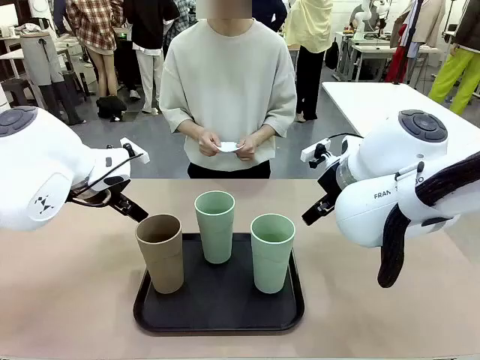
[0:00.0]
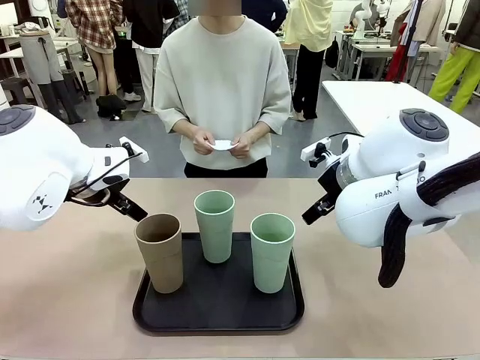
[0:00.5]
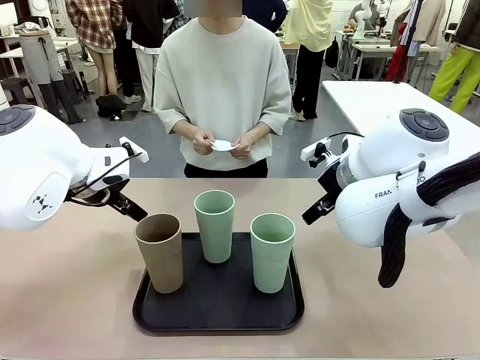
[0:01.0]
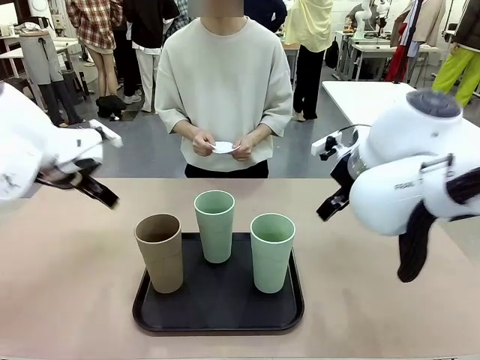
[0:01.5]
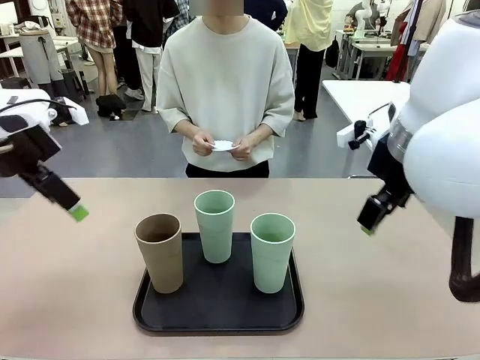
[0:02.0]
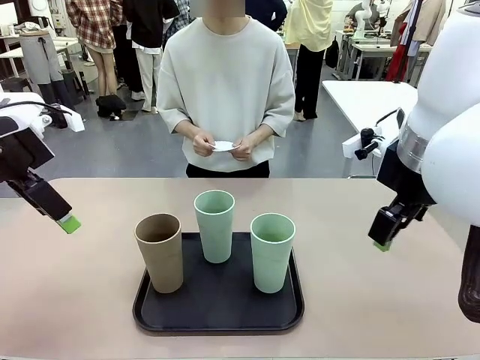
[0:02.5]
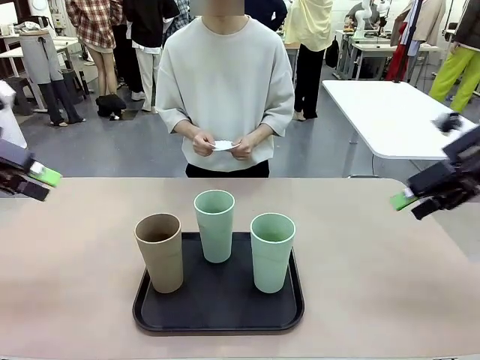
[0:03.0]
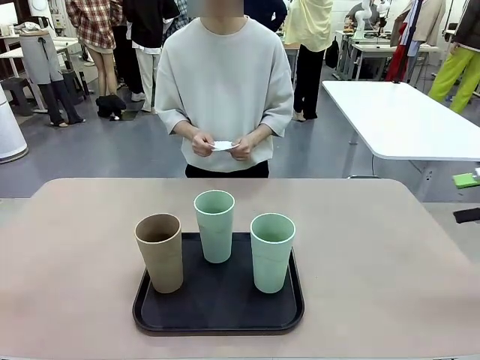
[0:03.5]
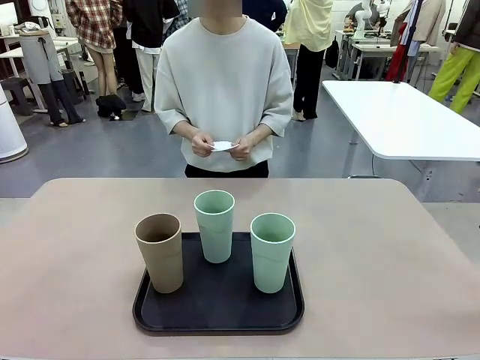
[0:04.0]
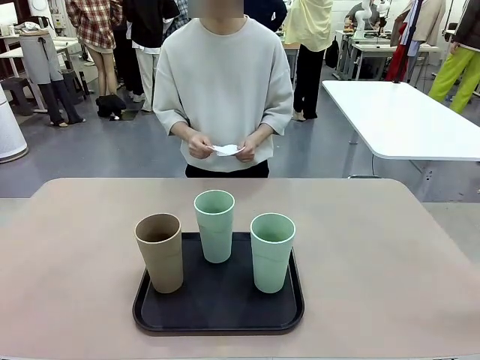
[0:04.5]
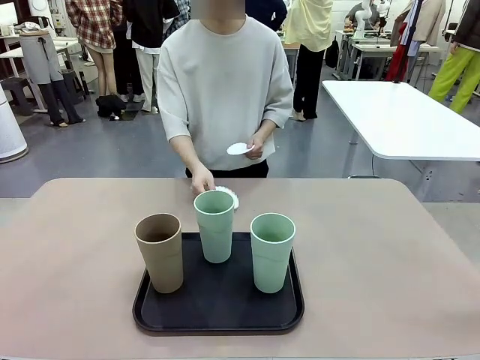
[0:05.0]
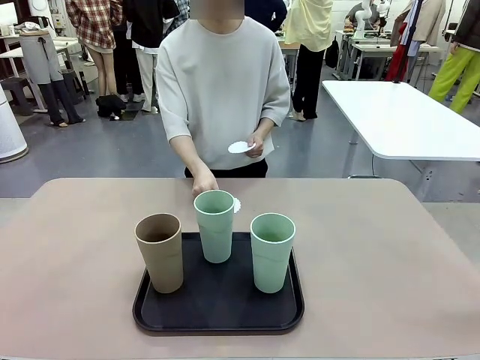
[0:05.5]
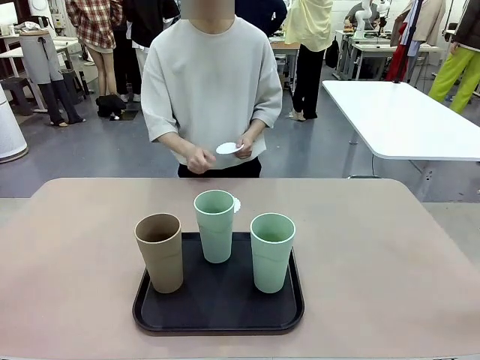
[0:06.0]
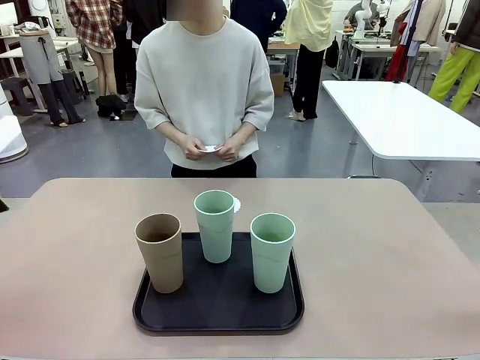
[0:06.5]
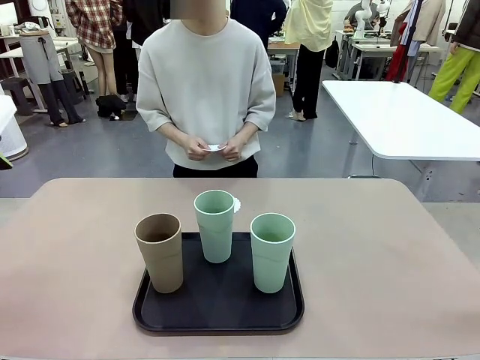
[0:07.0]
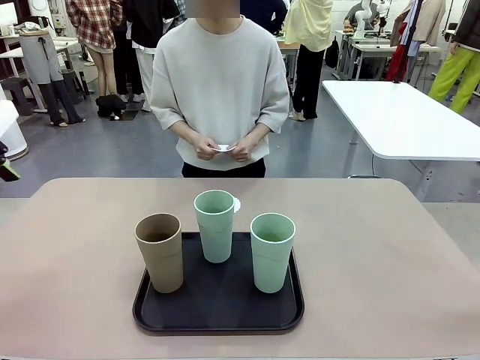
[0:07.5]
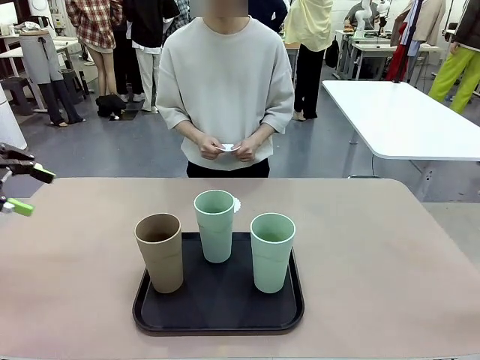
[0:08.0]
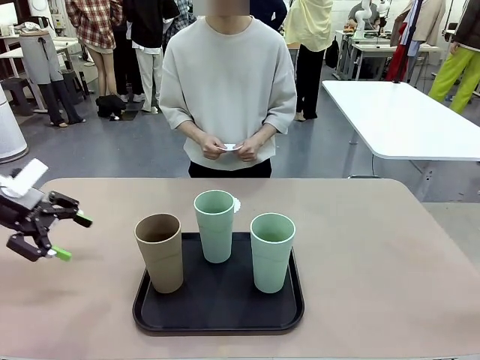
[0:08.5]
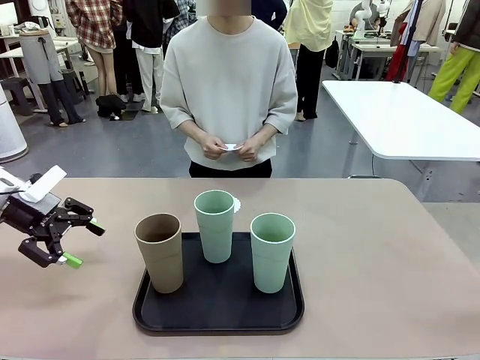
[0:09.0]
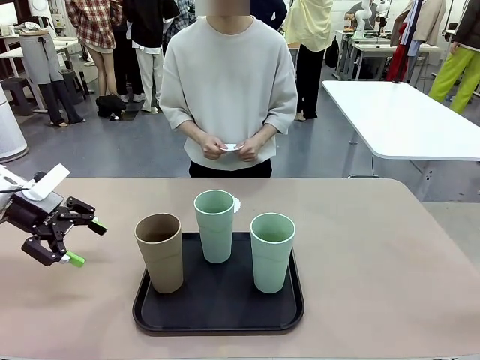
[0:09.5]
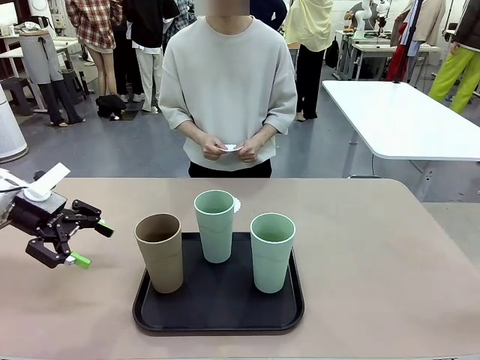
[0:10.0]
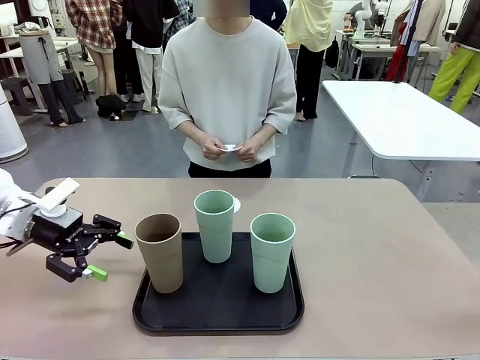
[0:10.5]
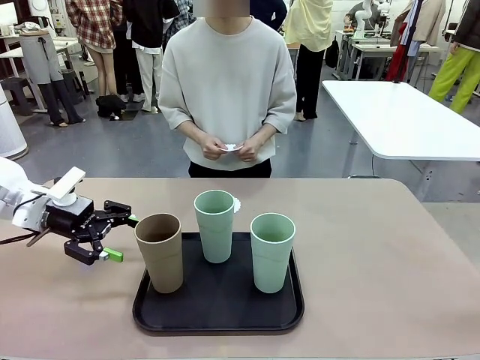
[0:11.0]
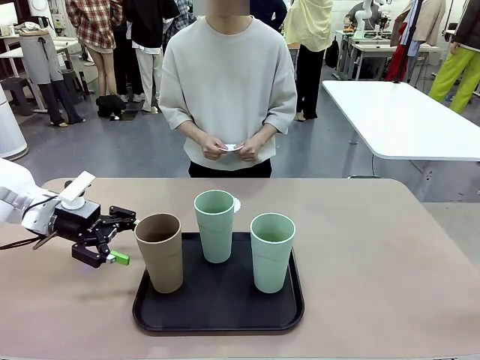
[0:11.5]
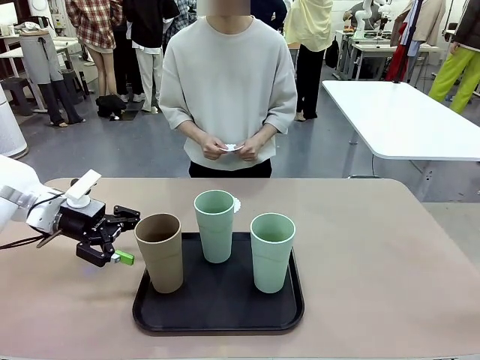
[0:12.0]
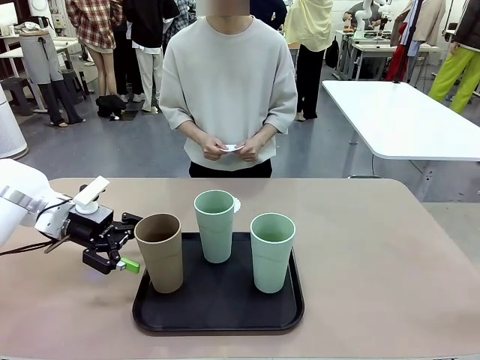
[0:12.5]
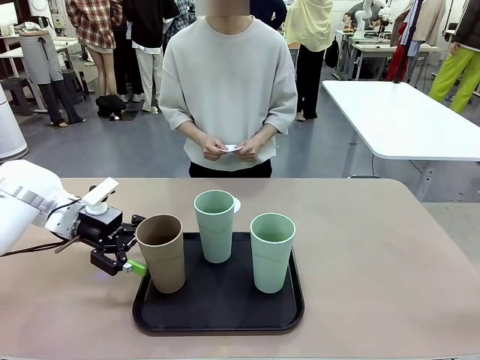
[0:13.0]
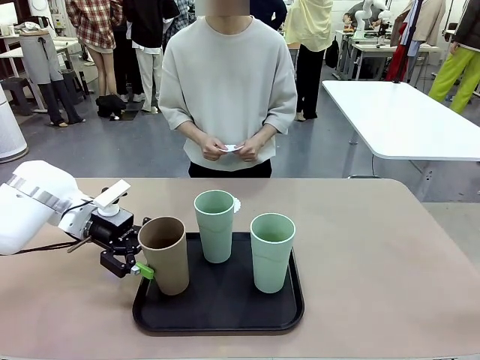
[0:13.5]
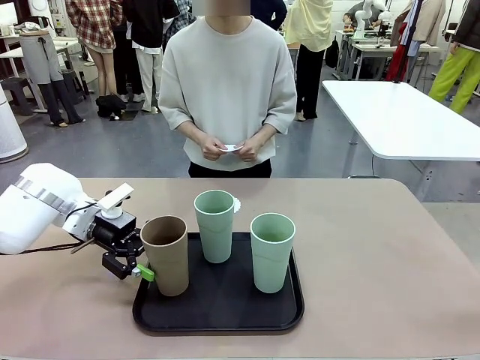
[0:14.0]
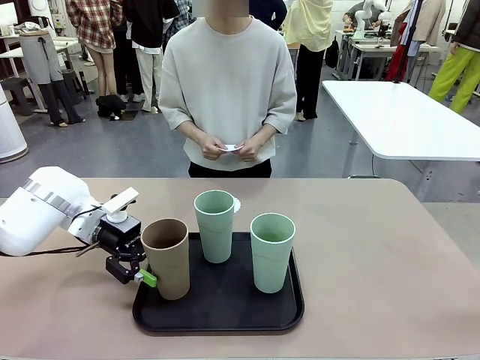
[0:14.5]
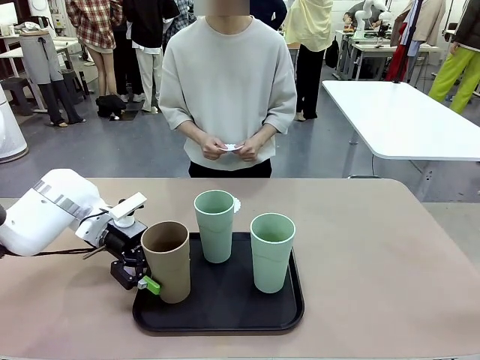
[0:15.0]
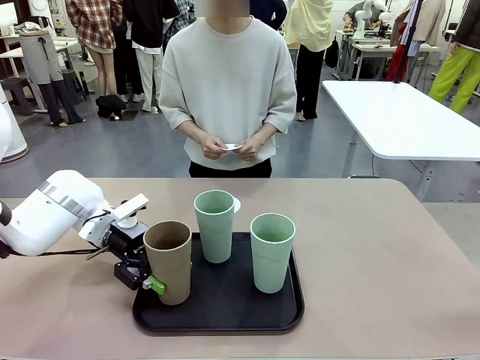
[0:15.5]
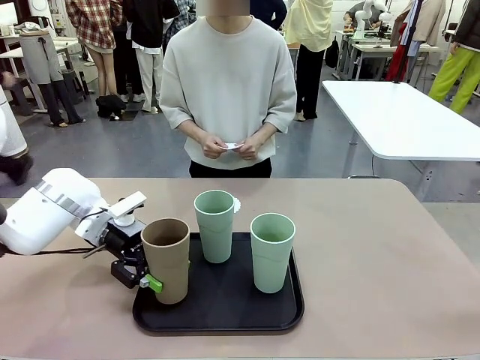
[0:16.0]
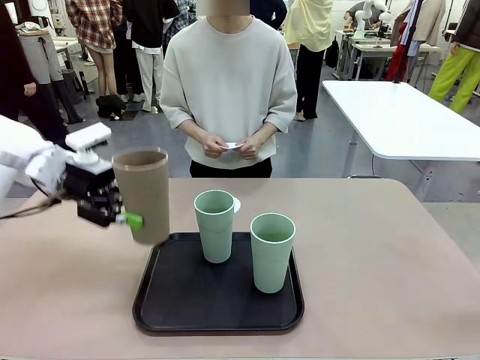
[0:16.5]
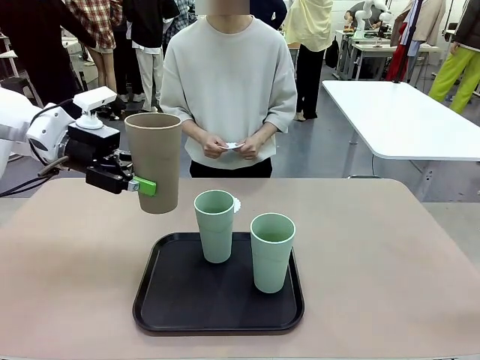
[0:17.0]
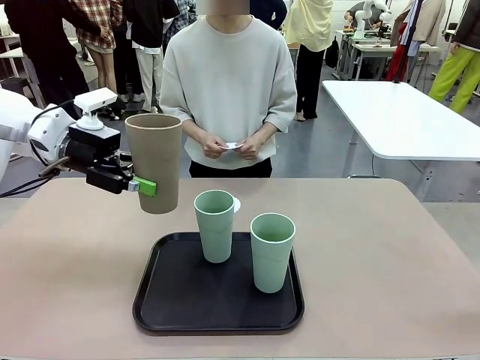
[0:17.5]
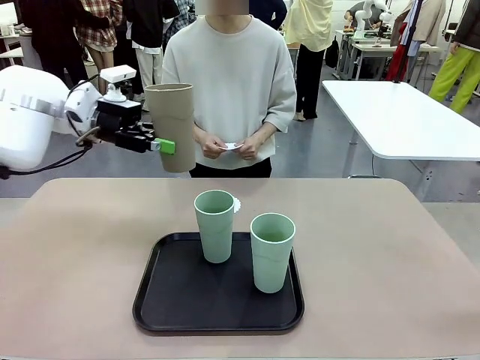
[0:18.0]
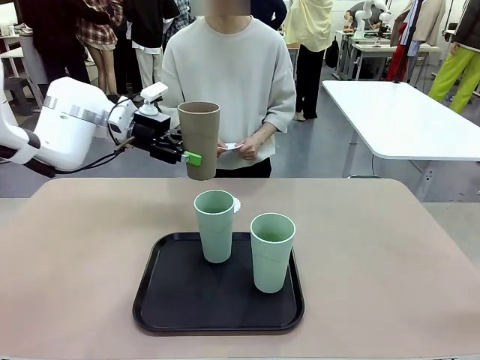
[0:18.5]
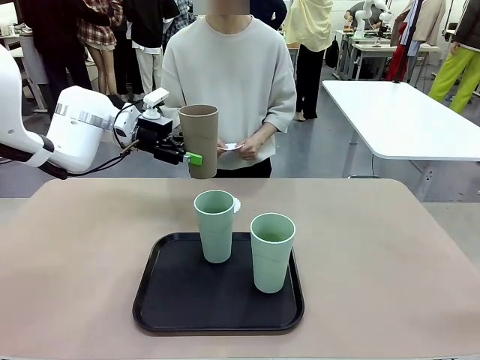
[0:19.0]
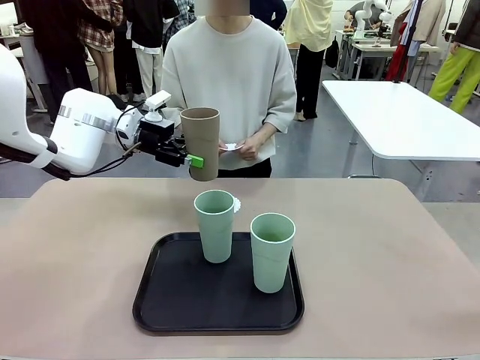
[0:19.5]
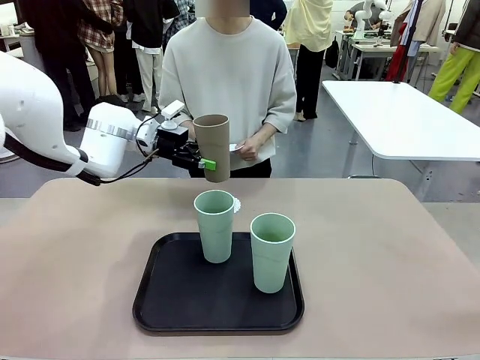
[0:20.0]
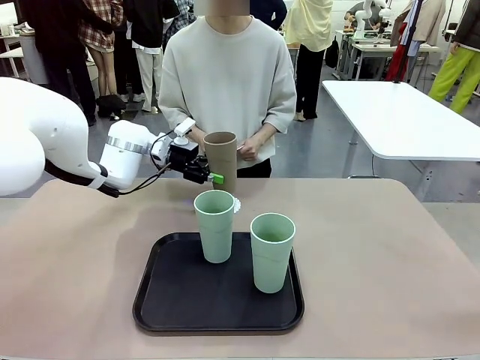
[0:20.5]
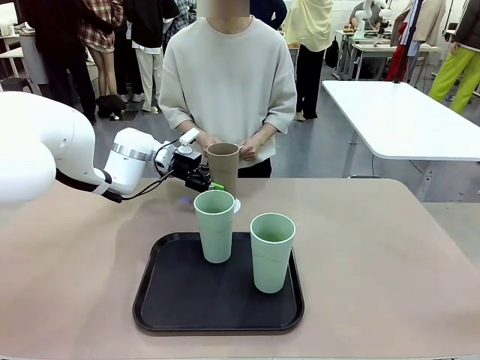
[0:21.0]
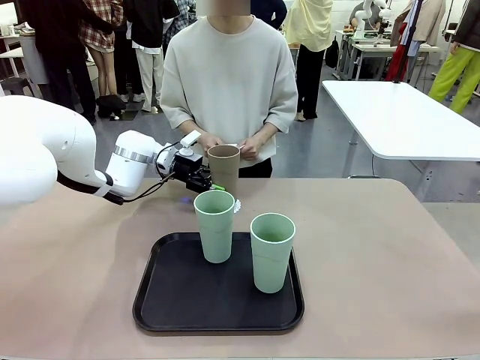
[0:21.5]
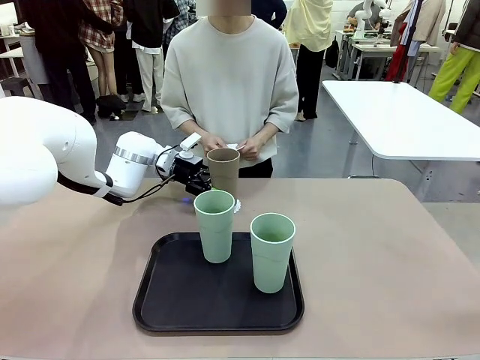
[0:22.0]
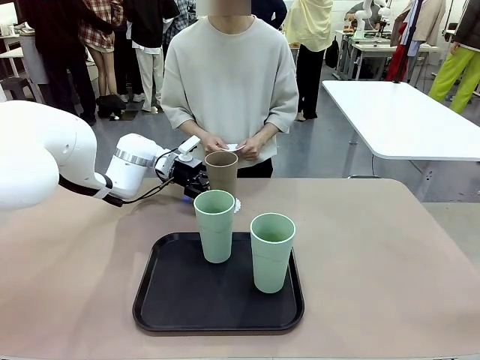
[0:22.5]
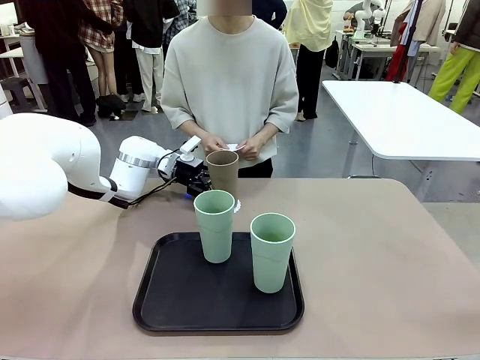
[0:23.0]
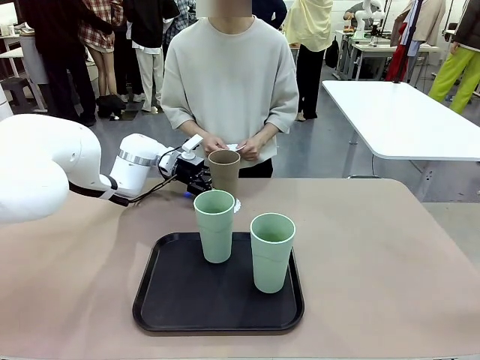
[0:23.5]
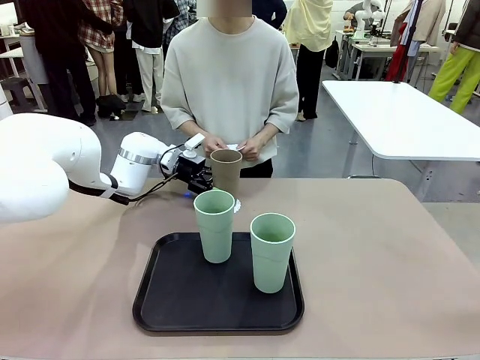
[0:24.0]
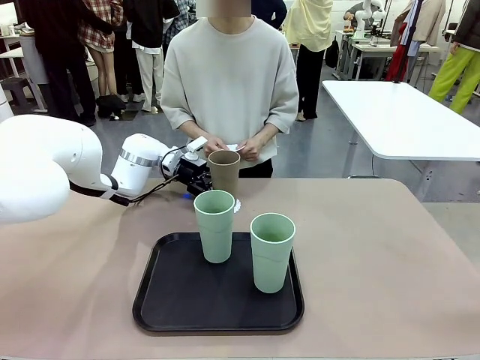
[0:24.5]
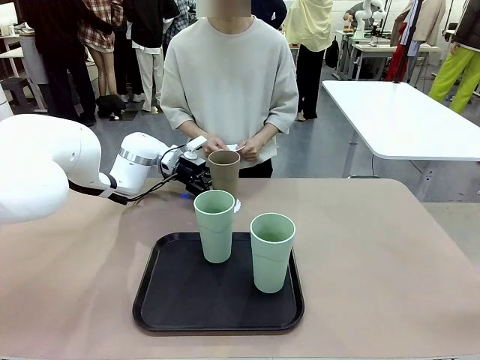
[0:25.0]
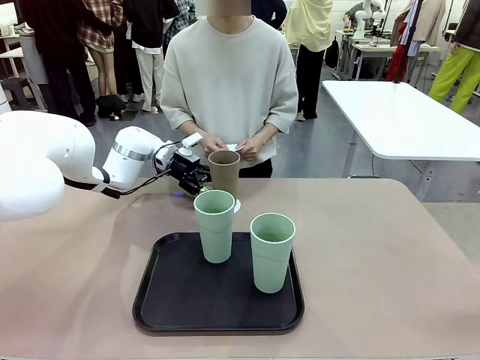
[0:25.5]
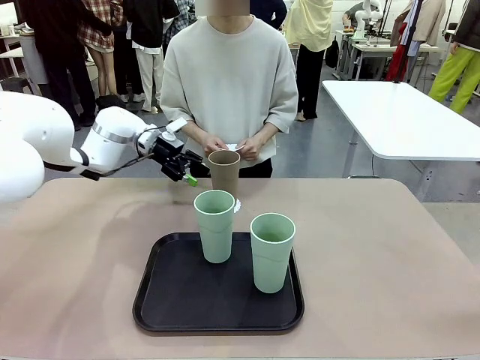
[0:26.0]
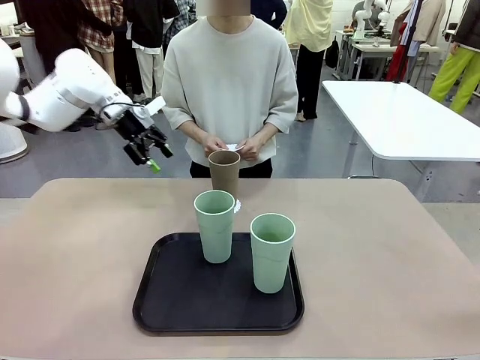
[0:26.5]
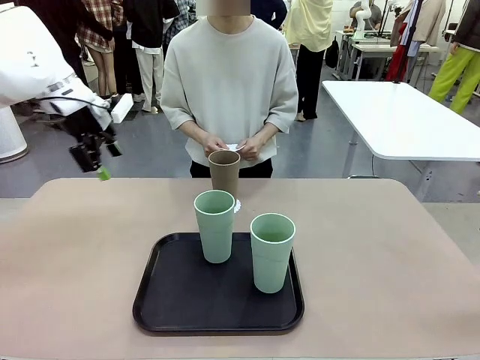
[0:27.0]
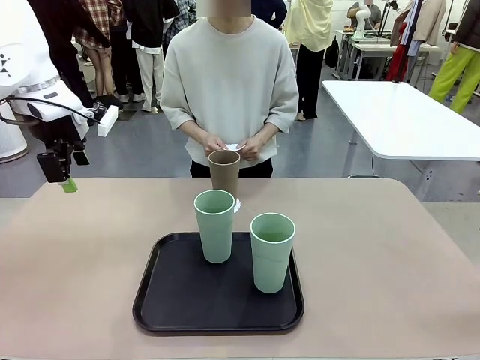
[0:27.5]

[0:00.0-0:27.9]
Task: Place coasters on the table and set cups on them.
Robot: Pick up one Reusable plastic cup and place it on a coaster set by the human.
Person: Place one coaster in any one of the three lower areas of the robot table (left, center, or right). Place one coaster in one of the two areas excluding the previously selected area.
